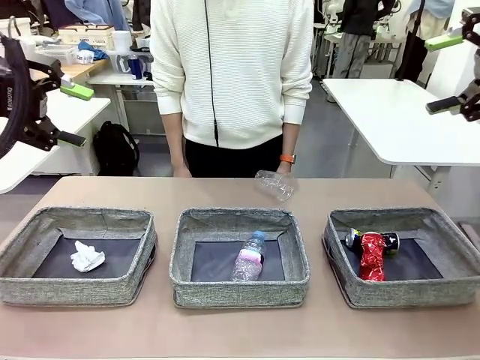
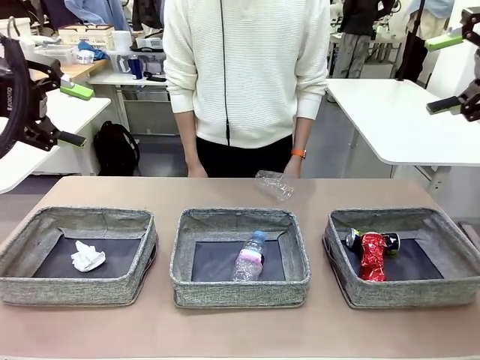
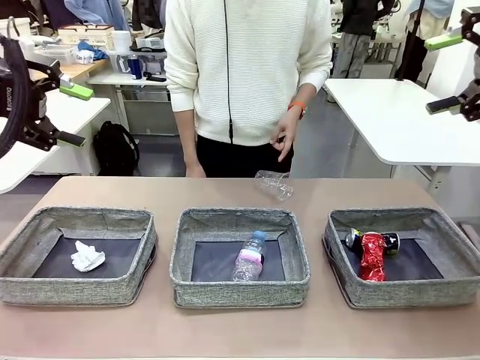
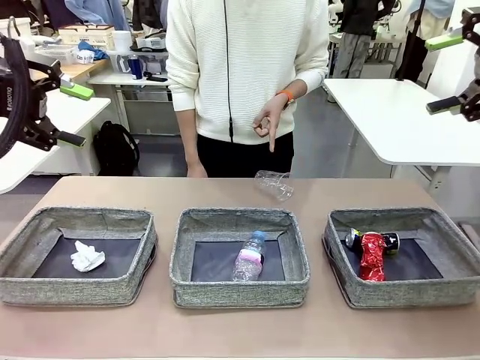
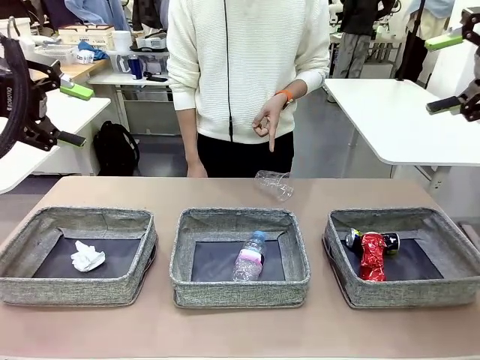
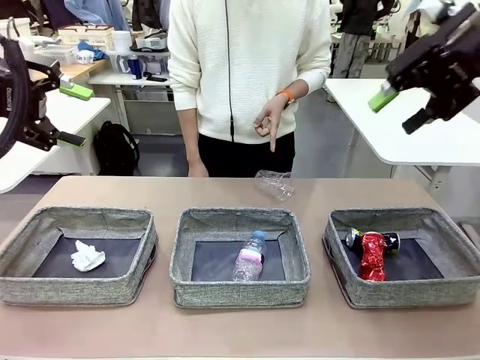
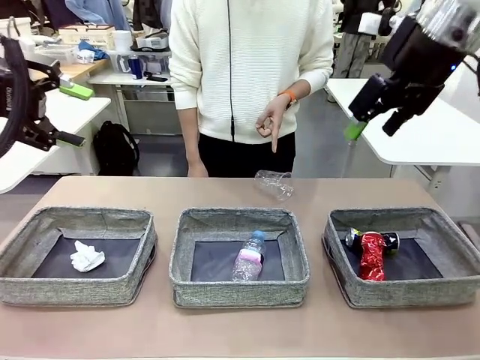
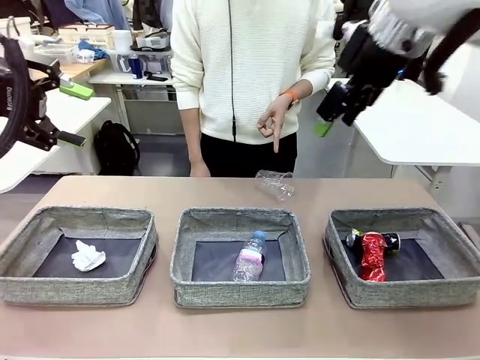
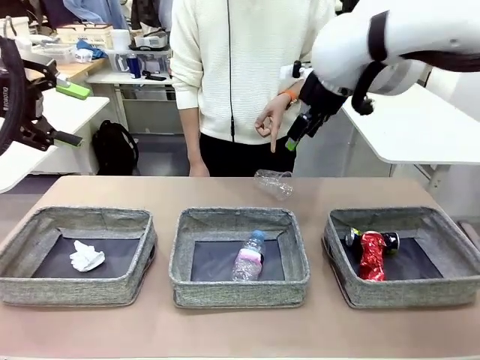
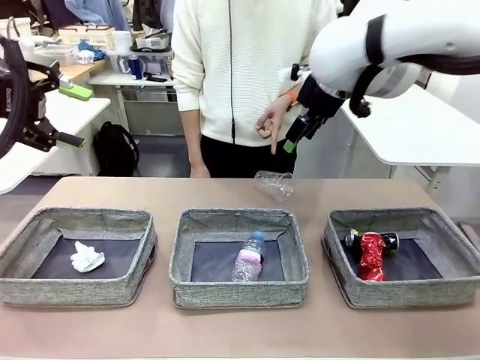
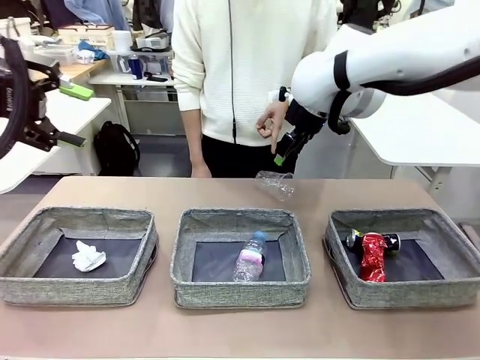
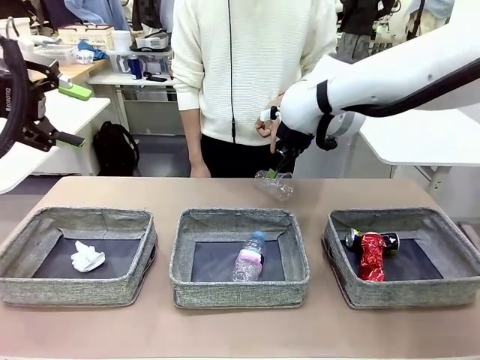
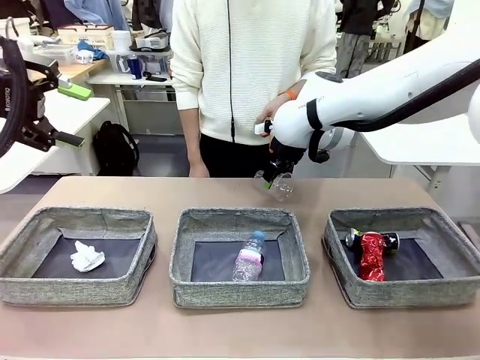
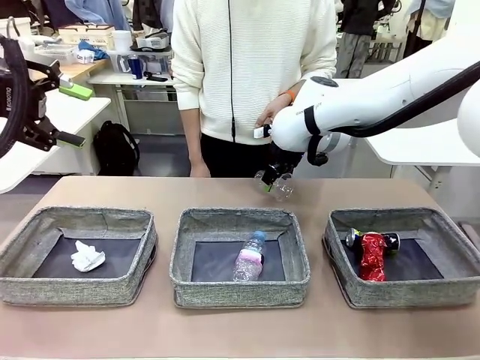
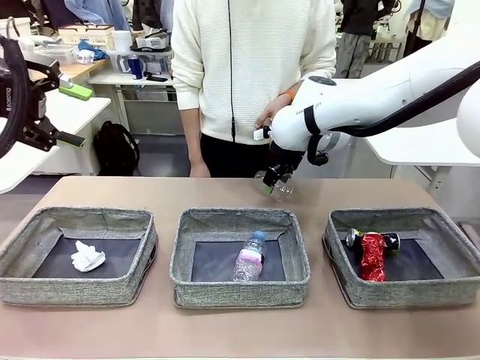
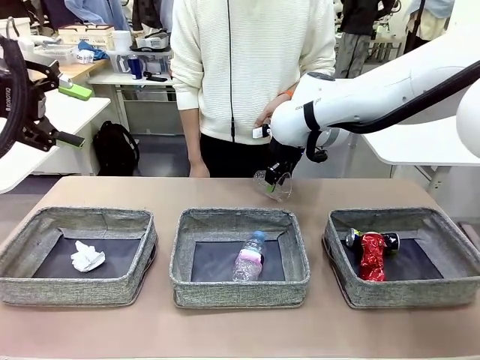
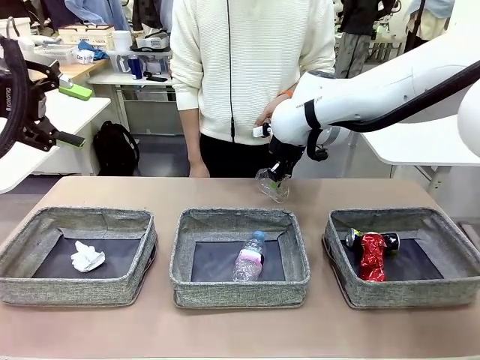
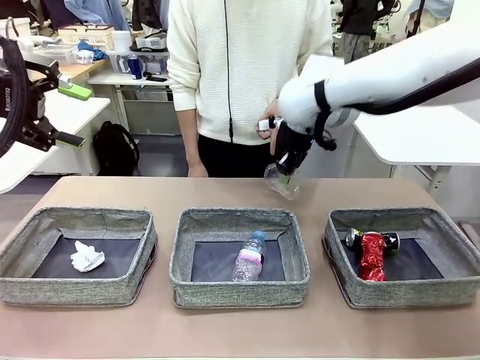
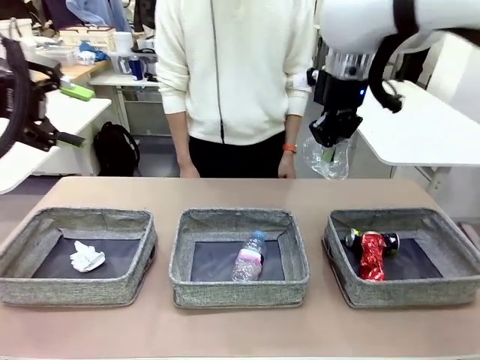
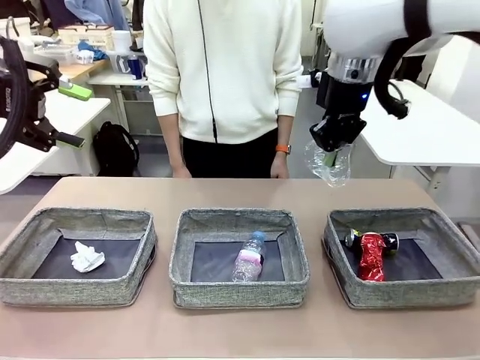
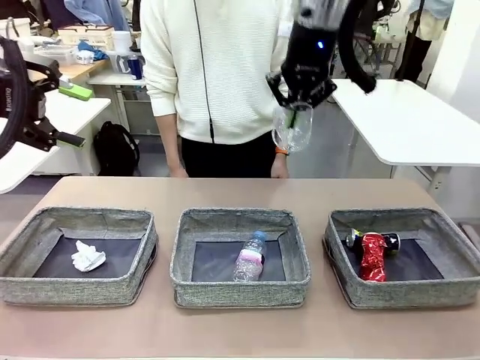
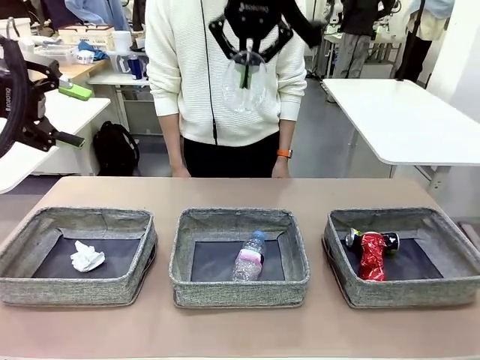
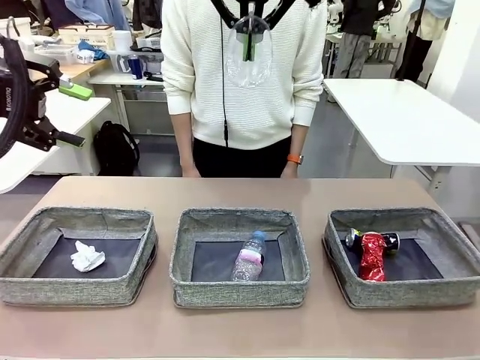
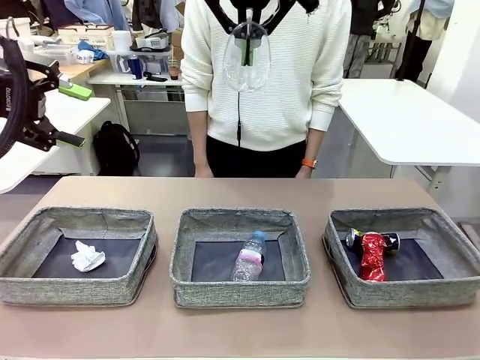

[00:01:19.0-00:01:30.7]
Task: Sort the waste into the appropriate baskets.
Robot: Pick up the waste item pointed out by the person.
Person: Points to one piece of trash on the table.

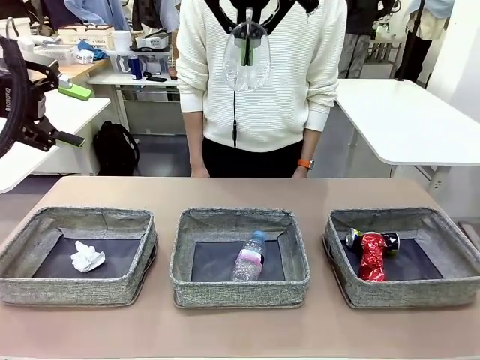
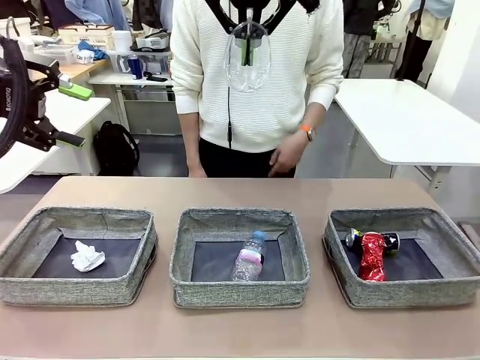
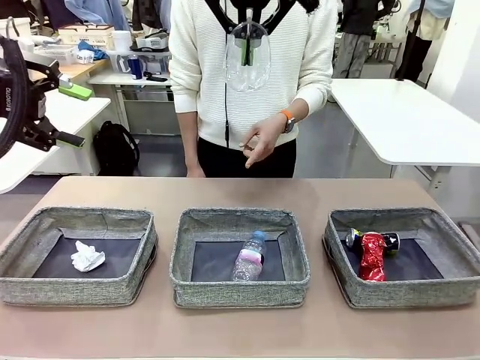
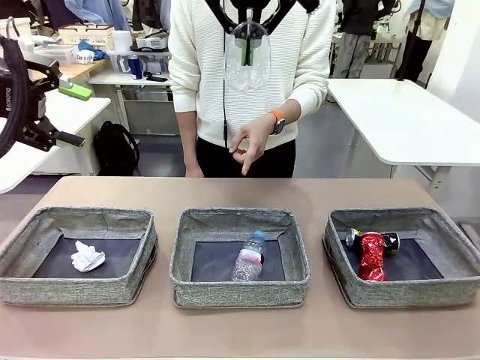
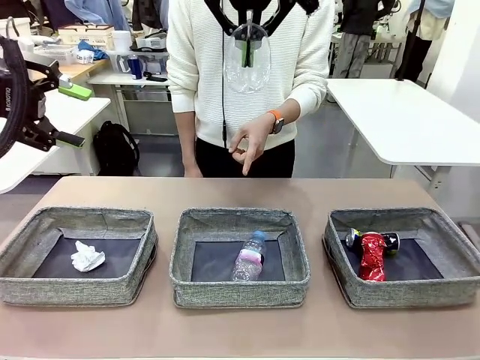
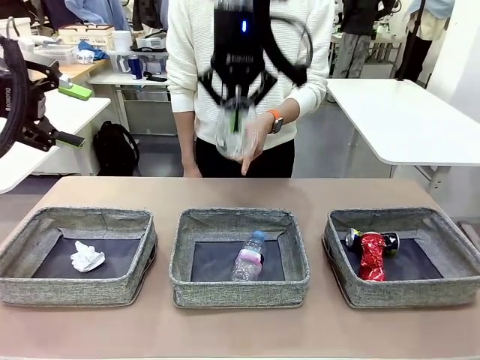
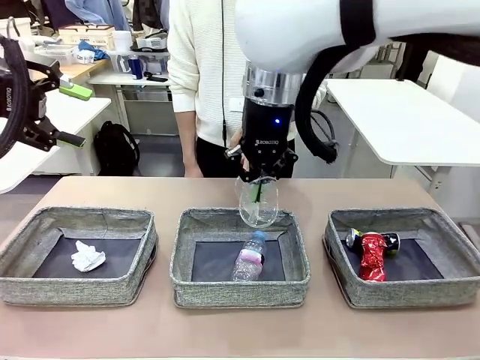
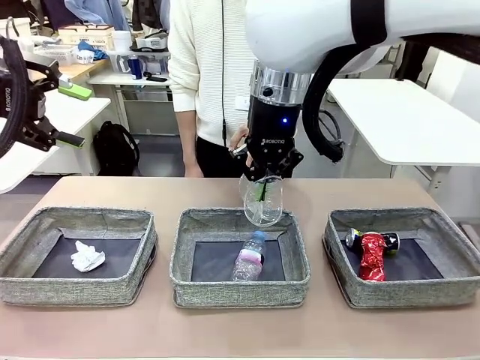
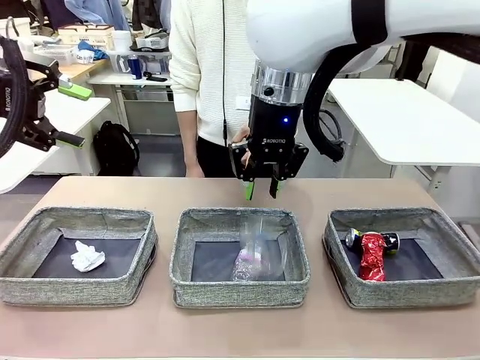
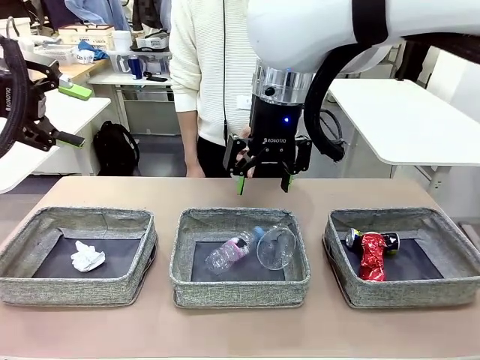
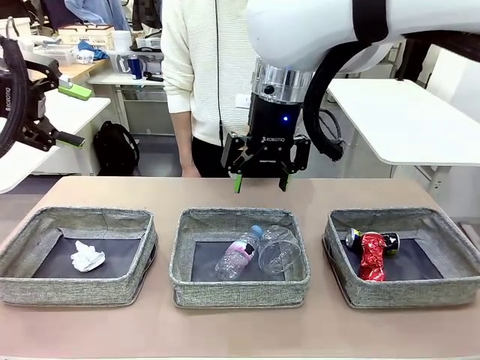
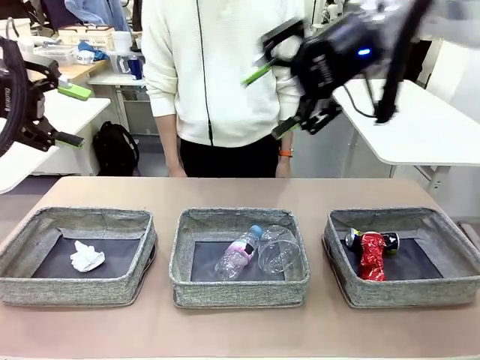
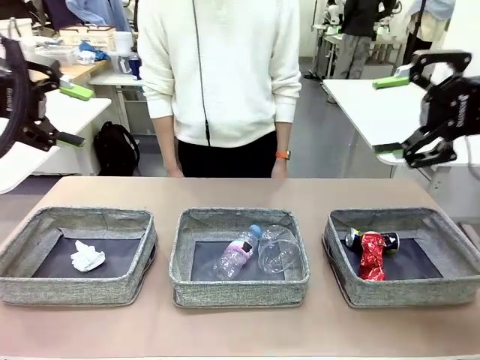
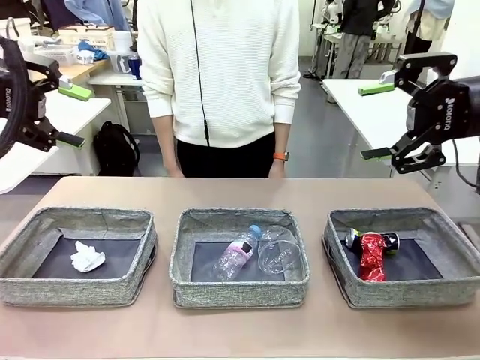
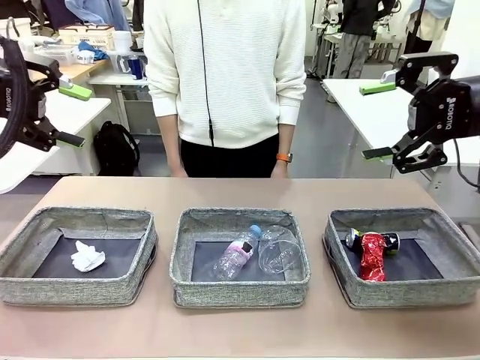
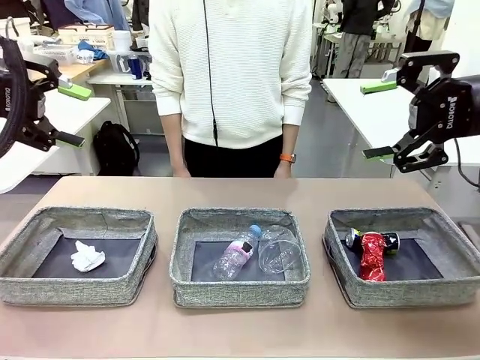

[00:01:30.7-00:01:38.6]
Robot: Place the picked waste into the Fabric basket indicated by the person.
Person: Instructs the robot to place the picked-up trash into the appropriate organizing basket.
